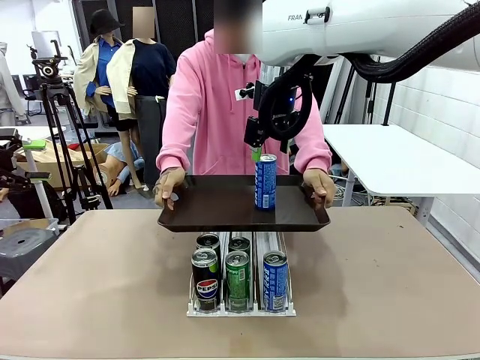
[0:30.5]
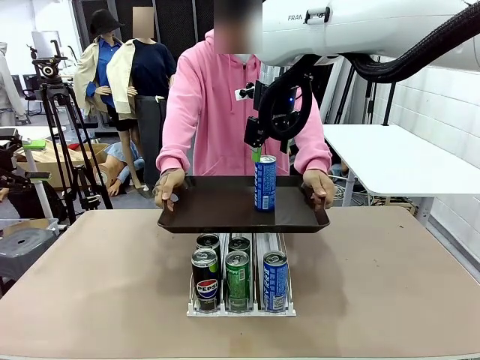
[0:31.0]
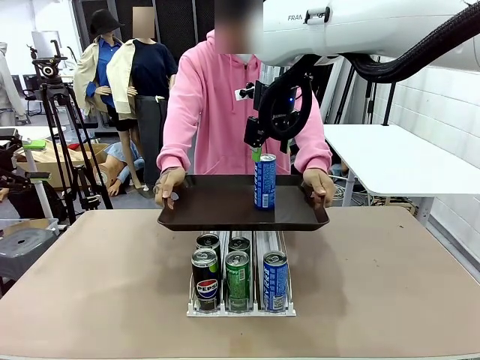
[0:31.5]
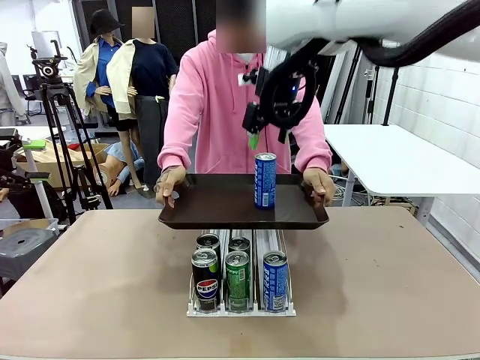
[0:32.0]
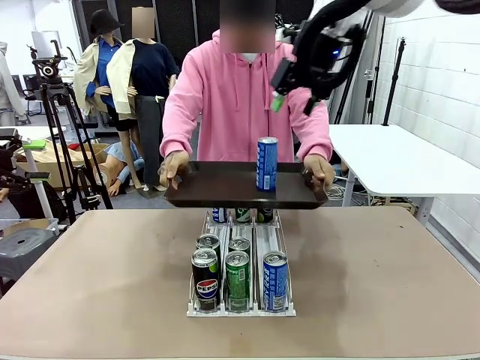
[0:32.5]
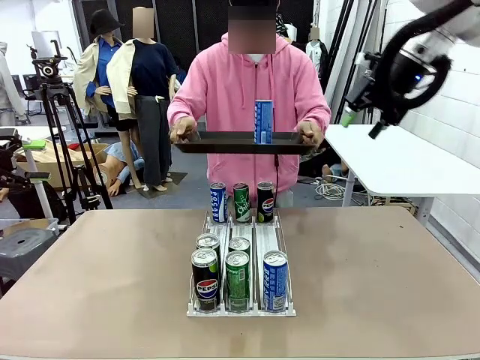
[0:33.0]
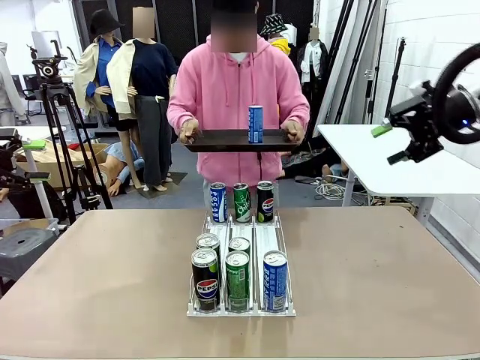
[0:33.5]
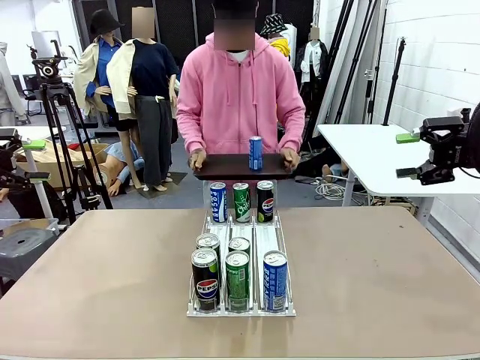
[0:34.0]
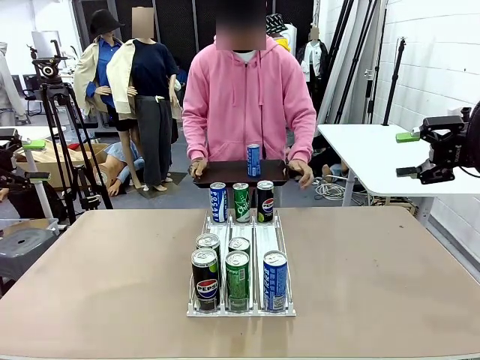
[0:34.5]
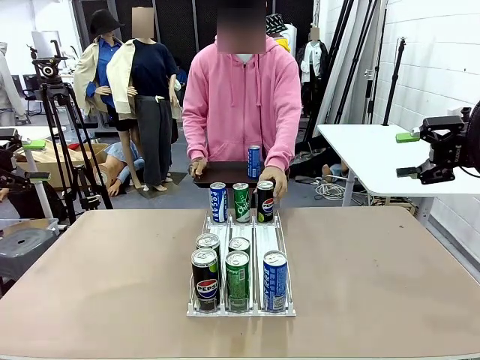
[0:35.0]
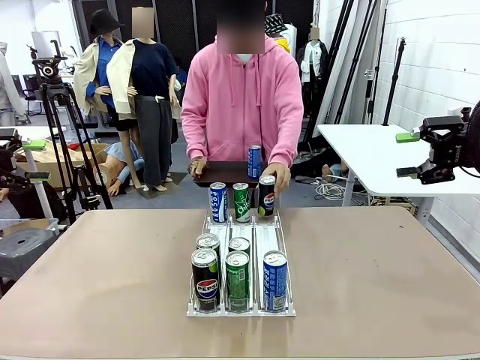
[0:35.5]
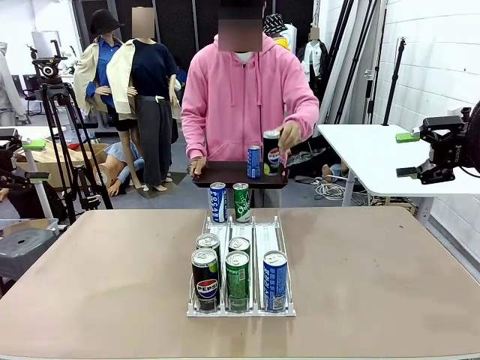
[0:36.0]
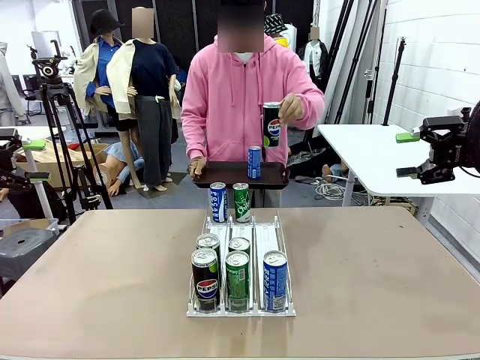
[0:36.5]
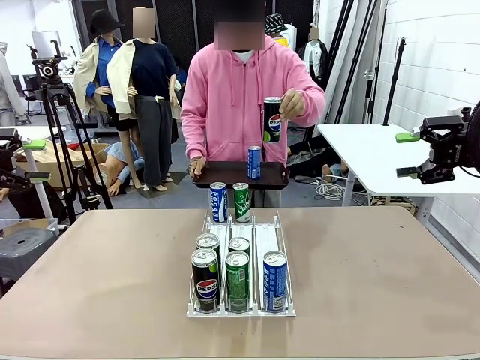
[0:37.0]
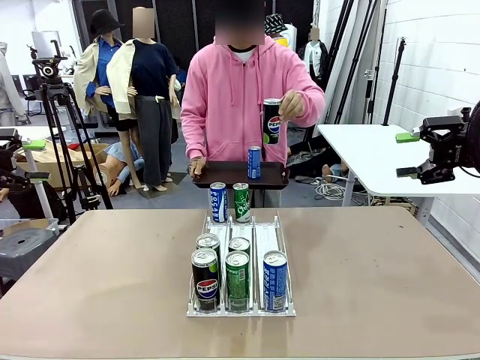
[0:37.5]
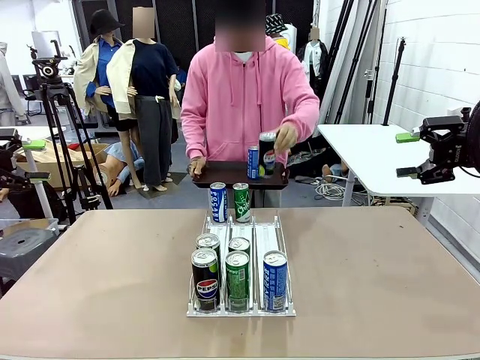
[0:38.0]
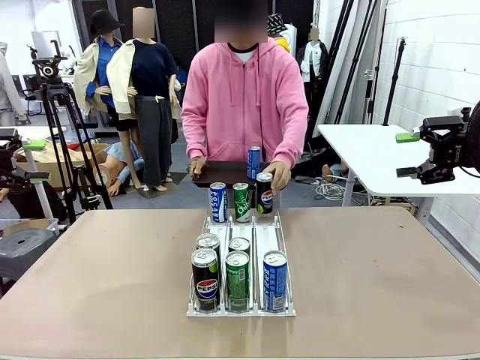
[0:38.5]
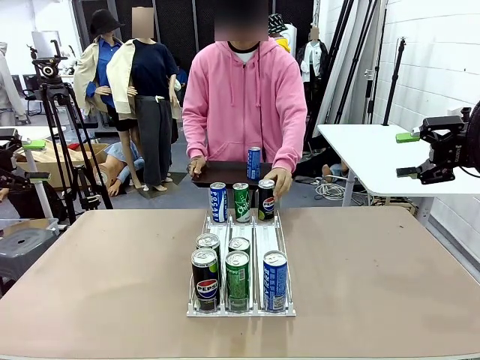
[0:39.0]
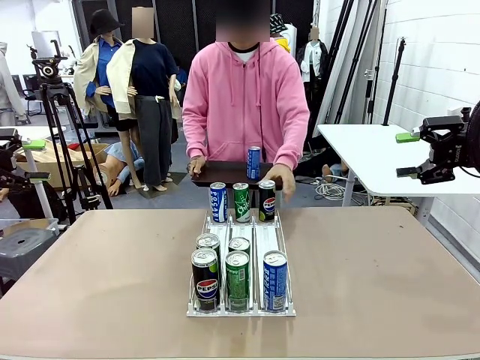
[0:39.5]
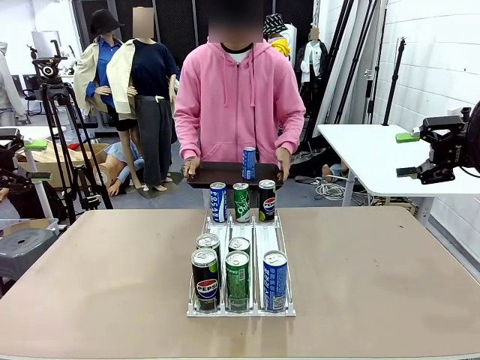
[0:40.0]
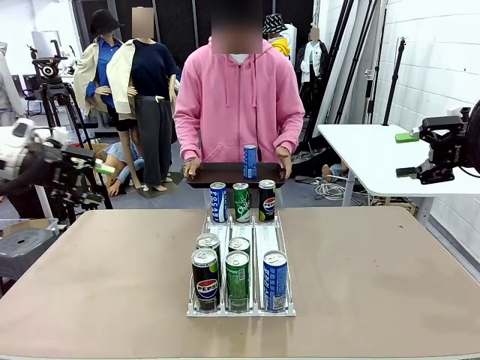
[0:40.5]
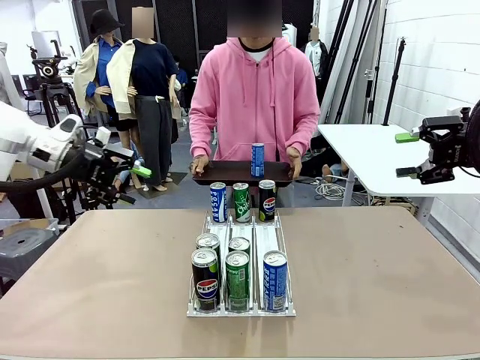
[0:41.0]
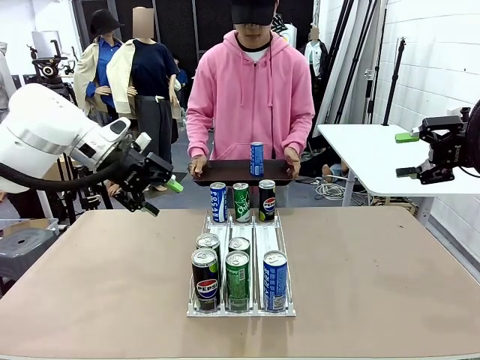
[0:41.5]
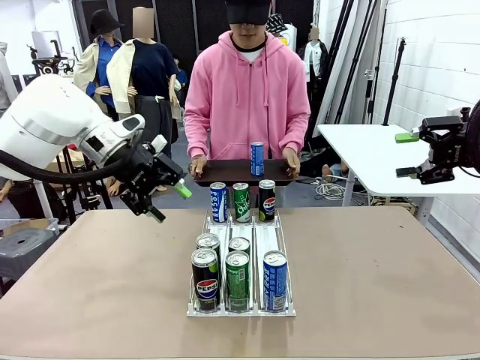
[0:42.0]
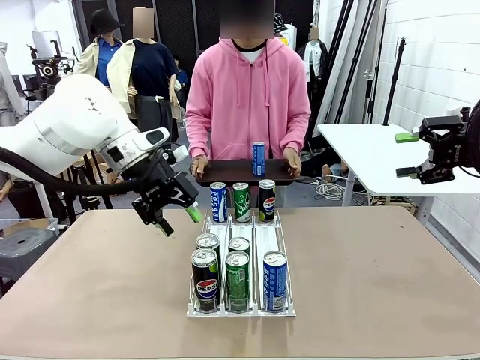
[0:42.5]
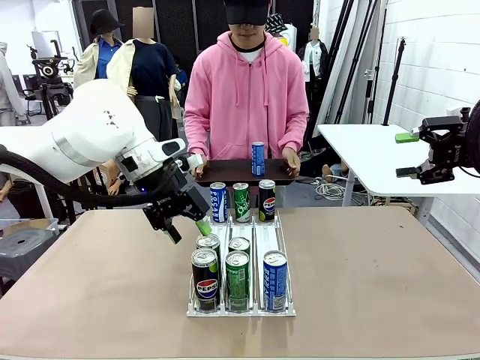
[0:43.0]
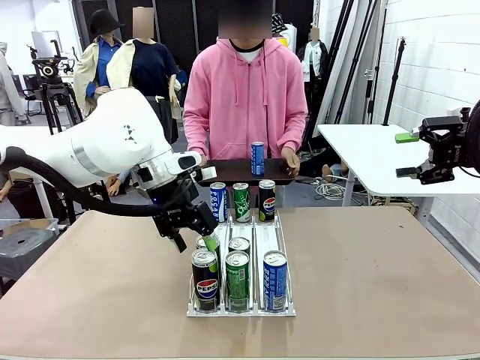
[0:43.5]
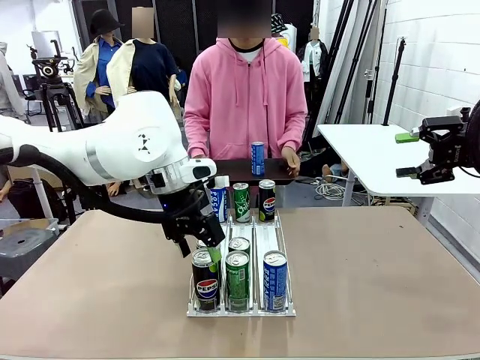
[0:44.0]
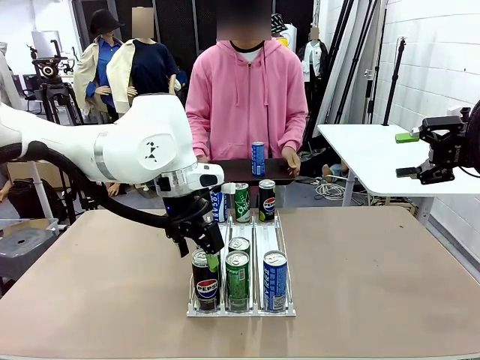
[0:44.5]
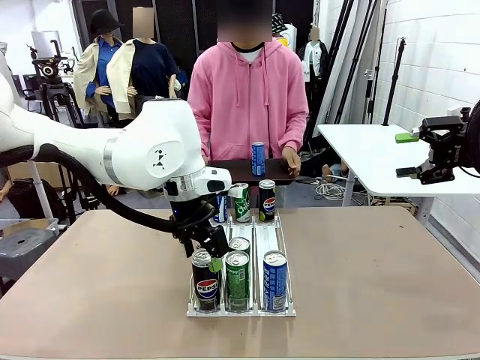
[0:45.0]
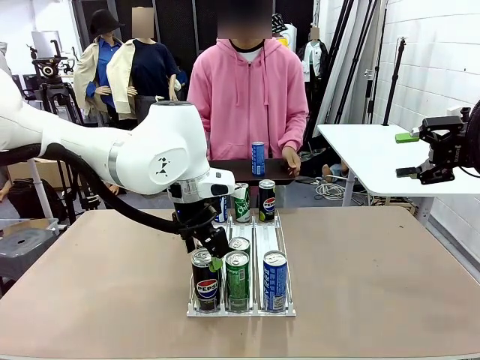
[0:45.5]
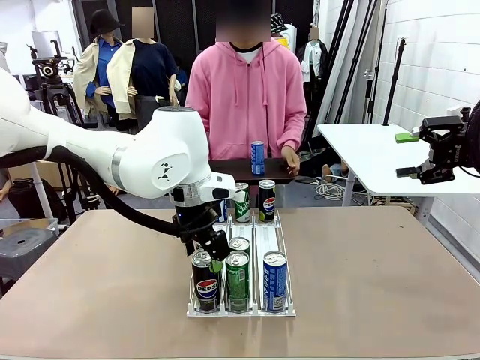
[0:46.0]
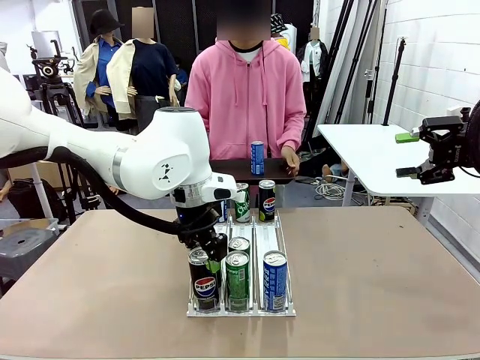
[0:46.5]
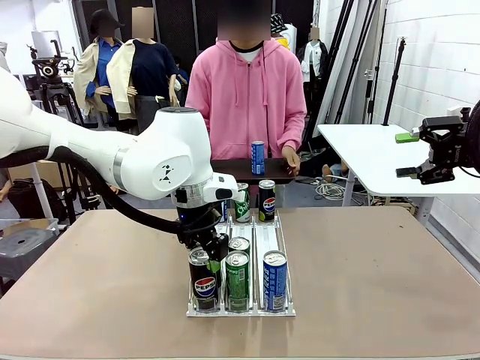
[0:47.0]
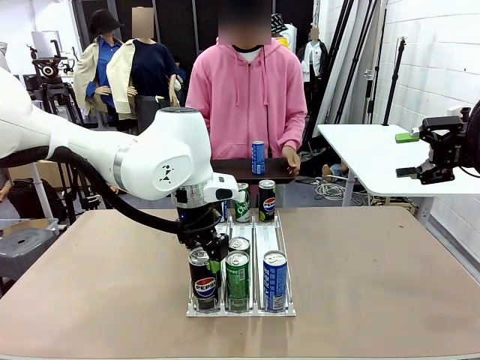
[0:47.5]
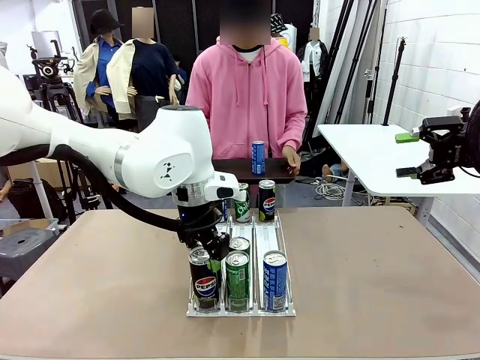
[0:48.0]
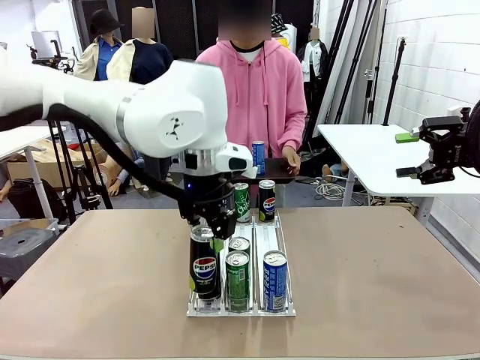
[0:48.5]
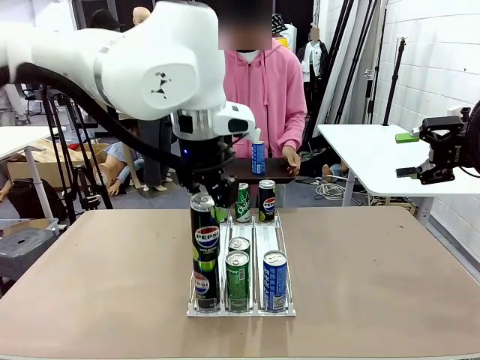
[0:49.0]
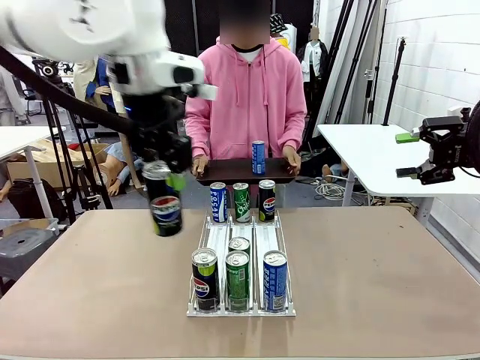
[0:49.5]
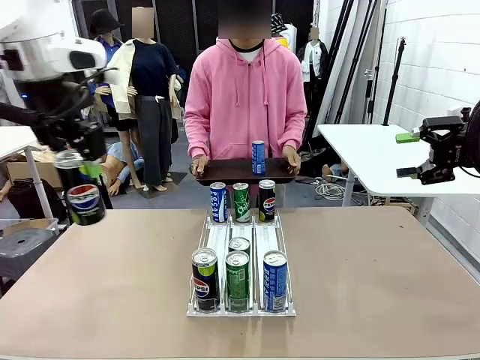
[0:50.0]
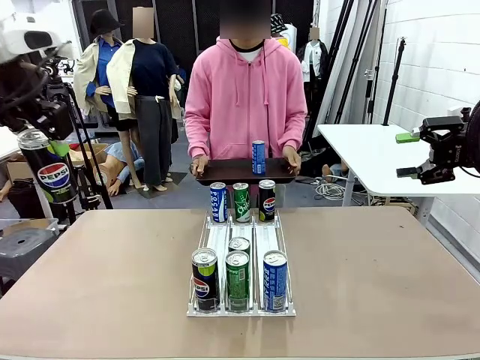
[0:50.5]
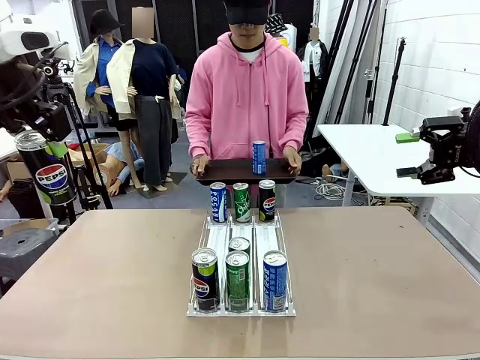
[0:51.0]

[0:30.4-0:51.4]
Task: Retrieve and hand over the desired beverage to the person.
Robot: Pick up another can of the same type that the person held from the Automatic Can Dispenser.
Person: Pull the tray back, then pick up another can from the bottom area of the table and puts it back in its original place. Push the tray toward the robot again.
